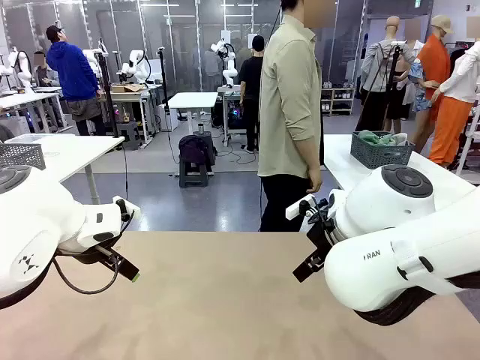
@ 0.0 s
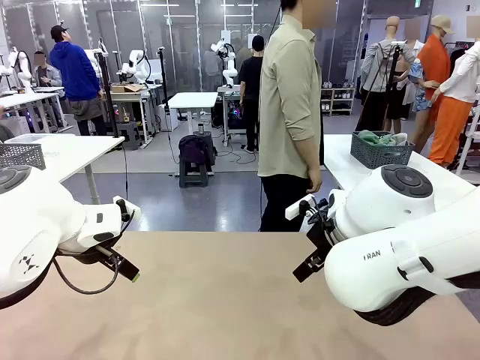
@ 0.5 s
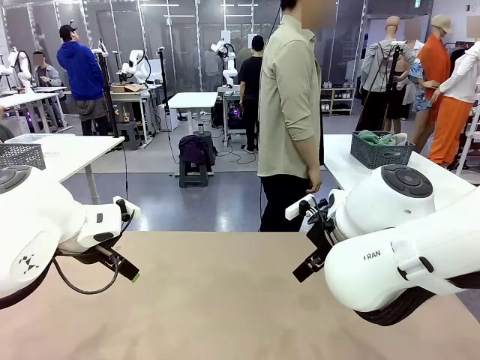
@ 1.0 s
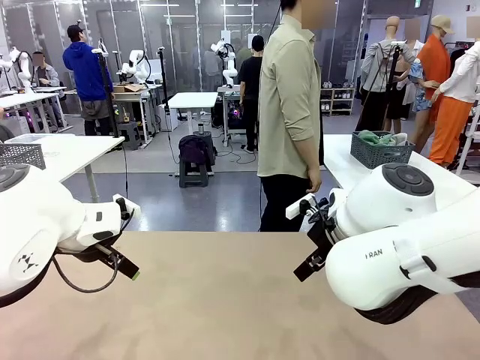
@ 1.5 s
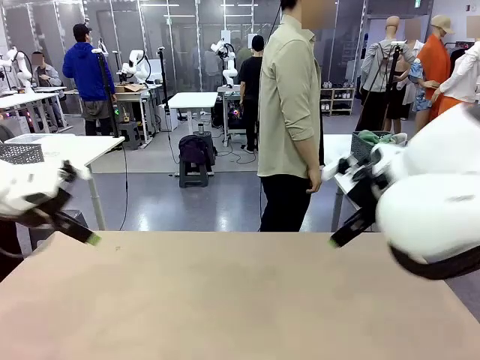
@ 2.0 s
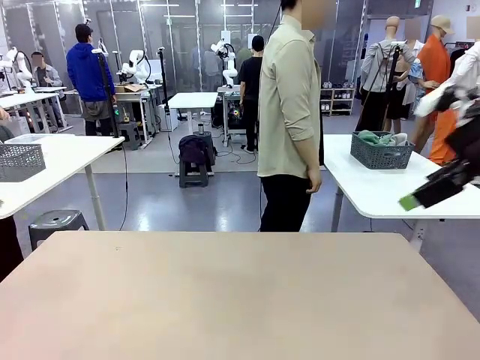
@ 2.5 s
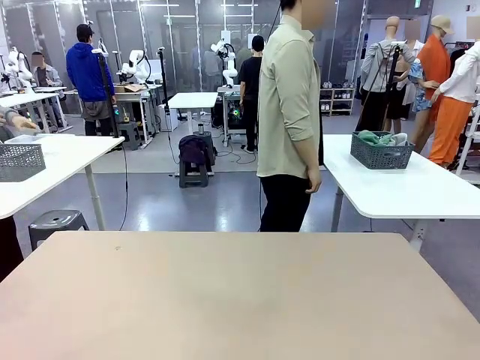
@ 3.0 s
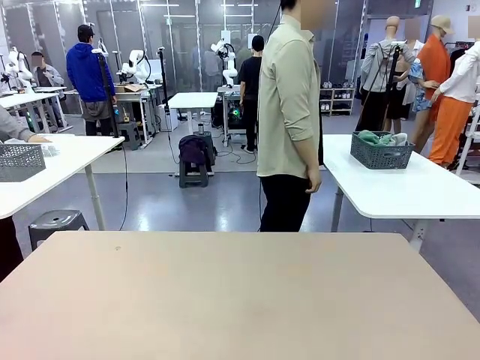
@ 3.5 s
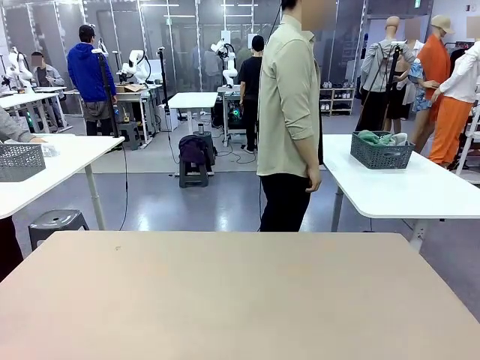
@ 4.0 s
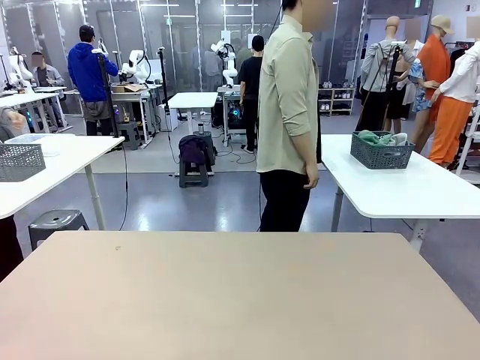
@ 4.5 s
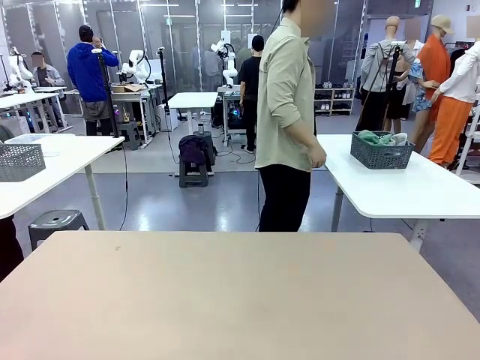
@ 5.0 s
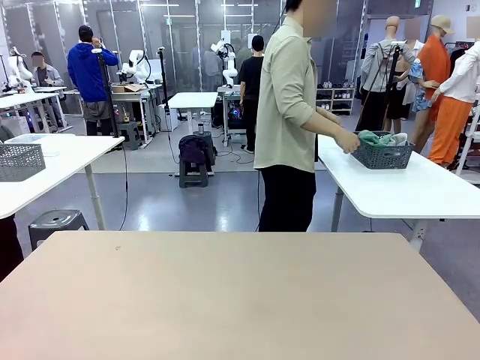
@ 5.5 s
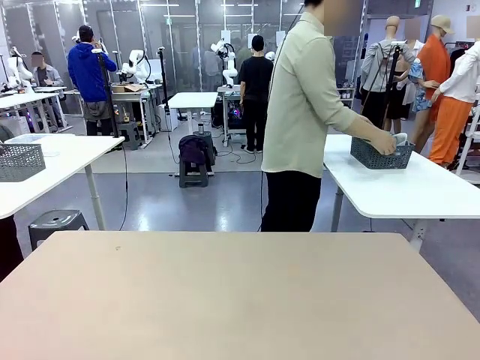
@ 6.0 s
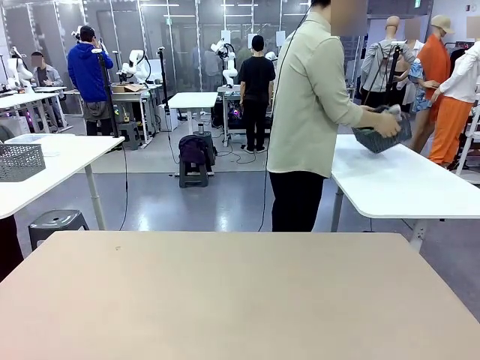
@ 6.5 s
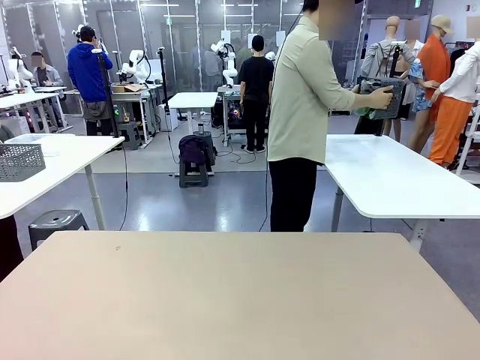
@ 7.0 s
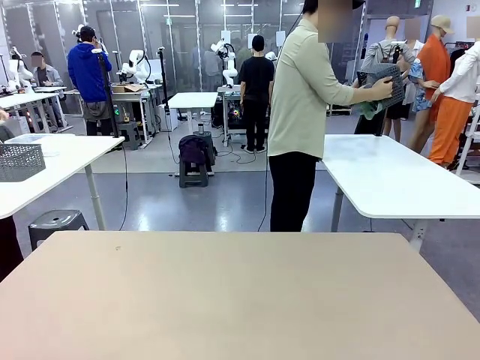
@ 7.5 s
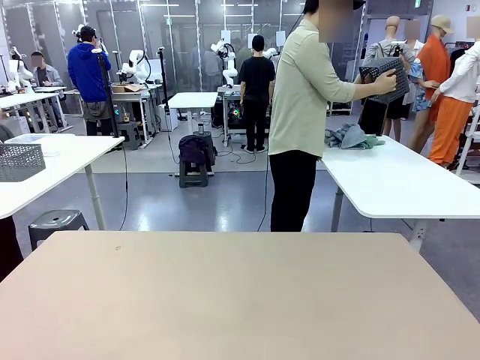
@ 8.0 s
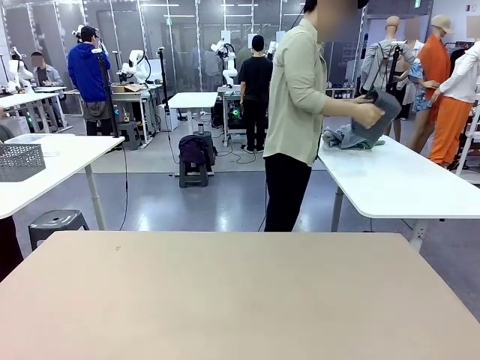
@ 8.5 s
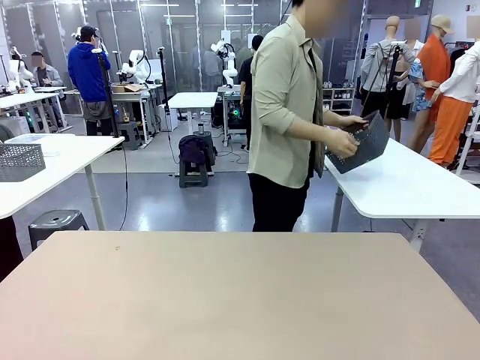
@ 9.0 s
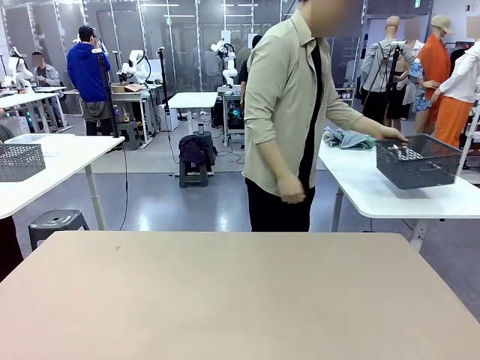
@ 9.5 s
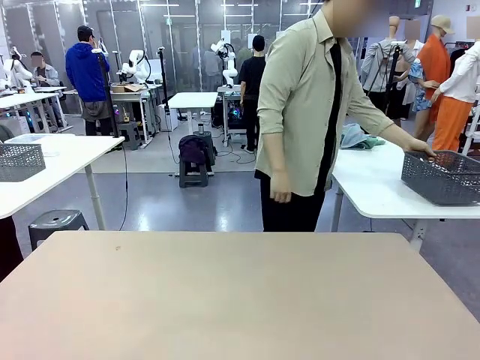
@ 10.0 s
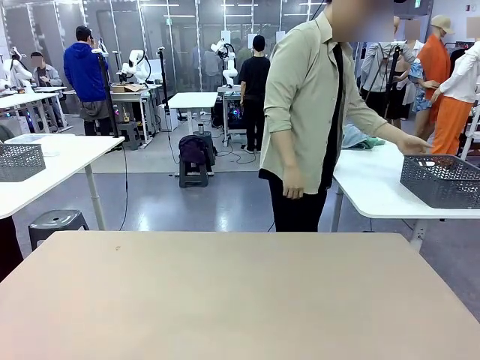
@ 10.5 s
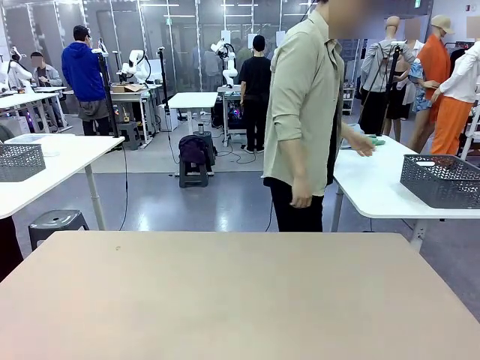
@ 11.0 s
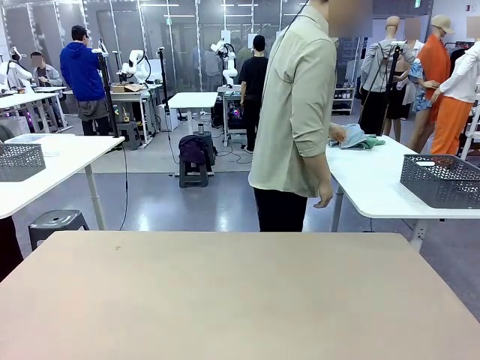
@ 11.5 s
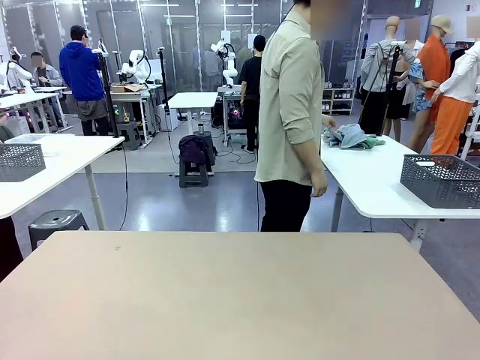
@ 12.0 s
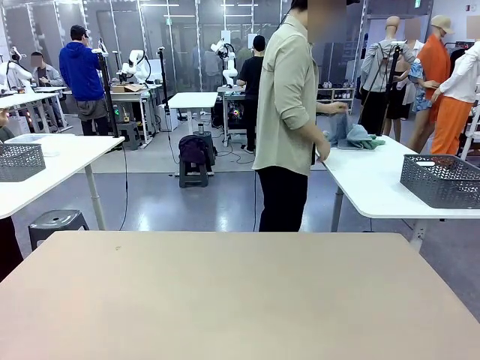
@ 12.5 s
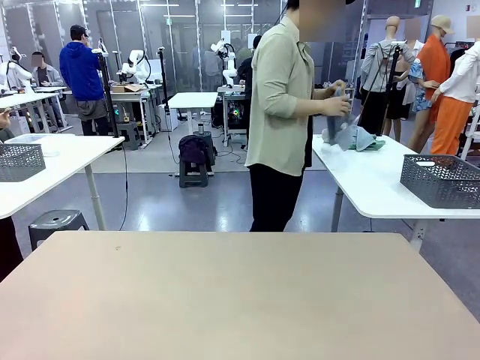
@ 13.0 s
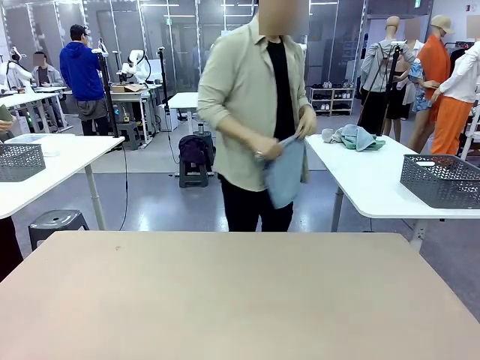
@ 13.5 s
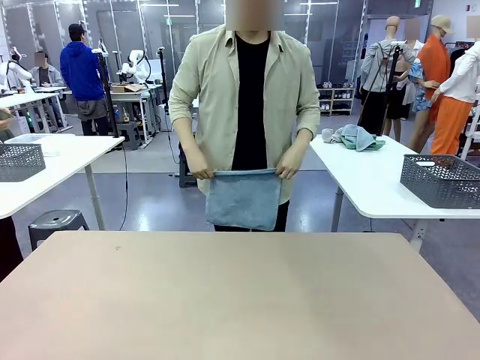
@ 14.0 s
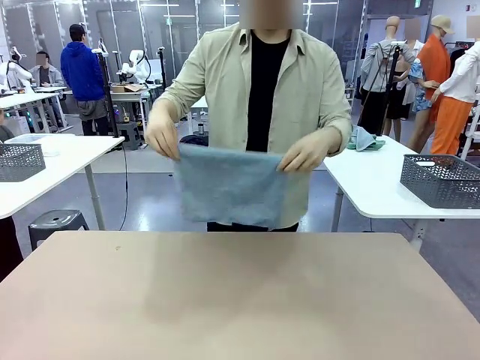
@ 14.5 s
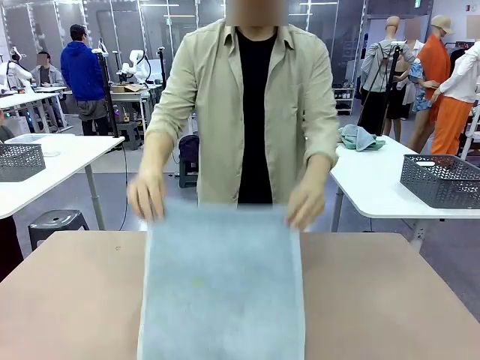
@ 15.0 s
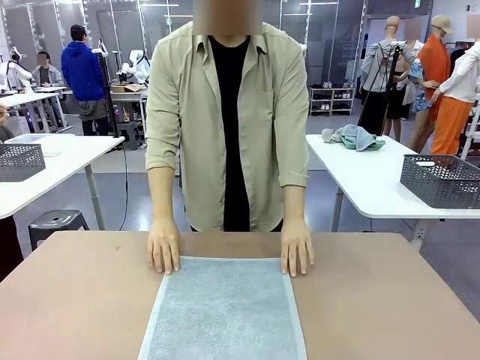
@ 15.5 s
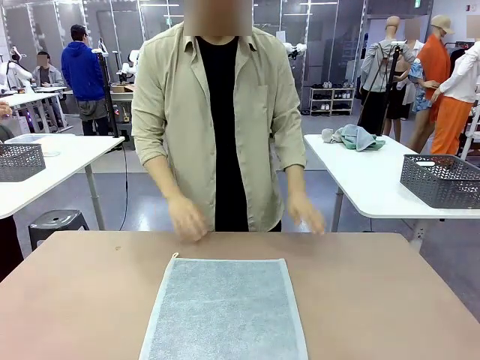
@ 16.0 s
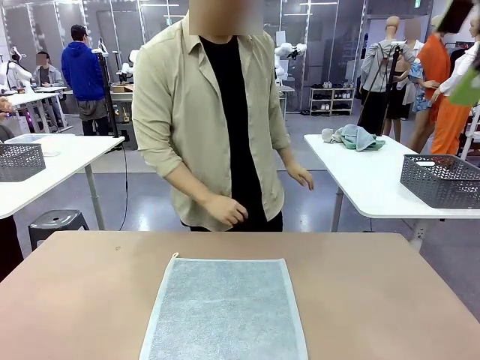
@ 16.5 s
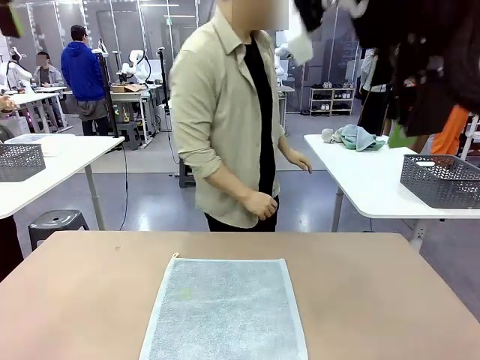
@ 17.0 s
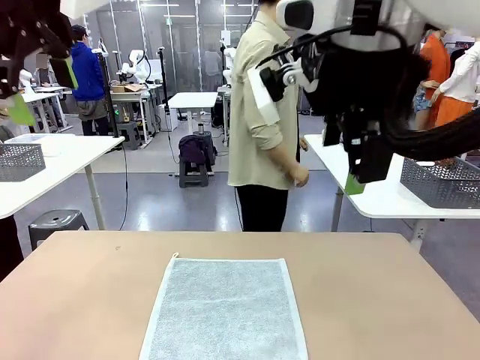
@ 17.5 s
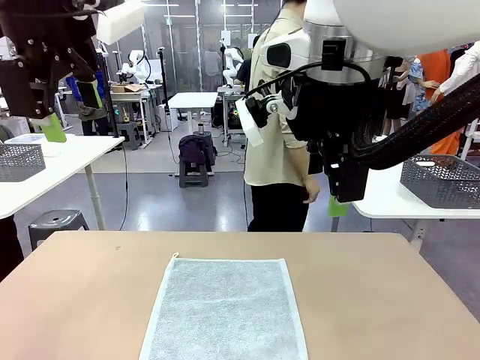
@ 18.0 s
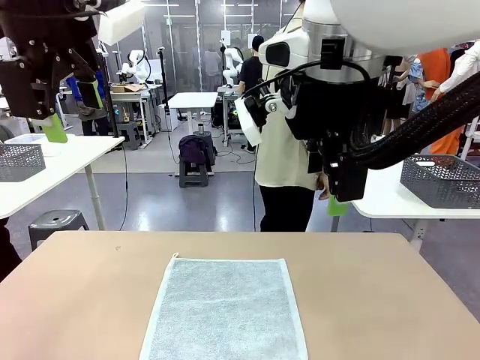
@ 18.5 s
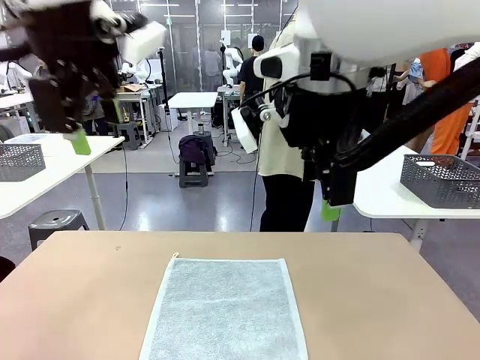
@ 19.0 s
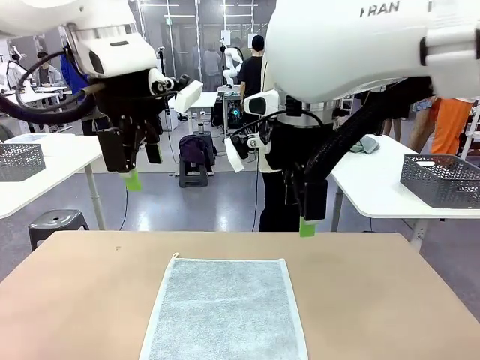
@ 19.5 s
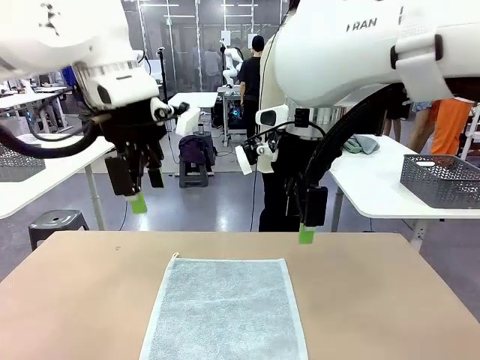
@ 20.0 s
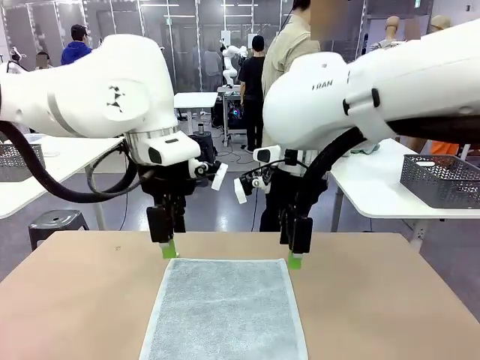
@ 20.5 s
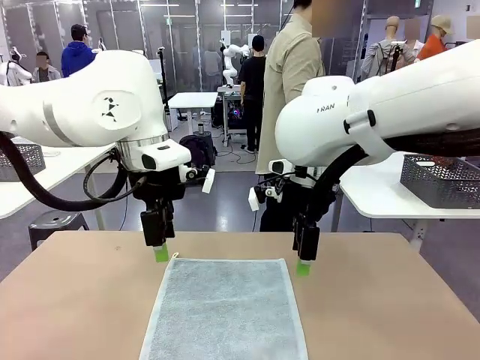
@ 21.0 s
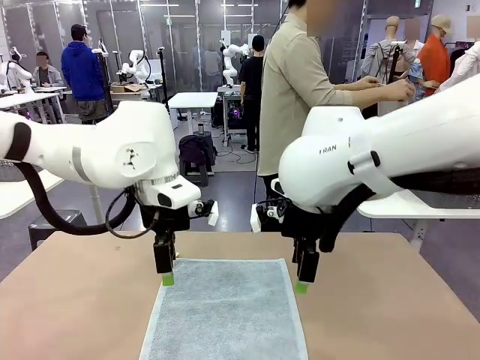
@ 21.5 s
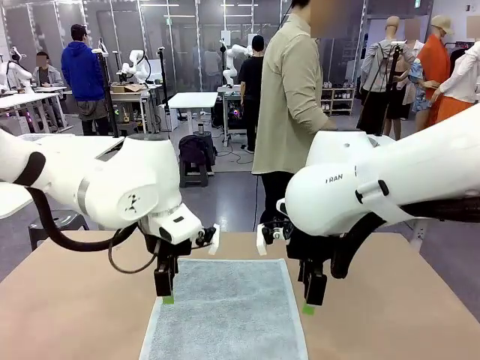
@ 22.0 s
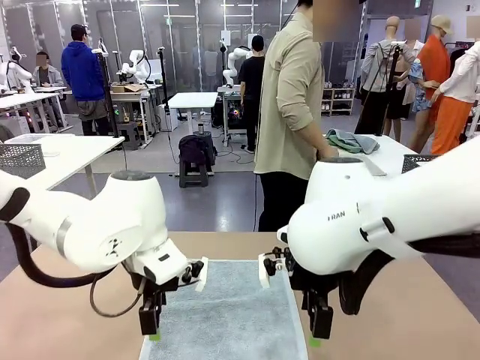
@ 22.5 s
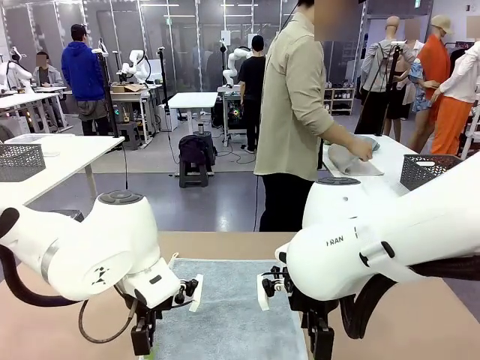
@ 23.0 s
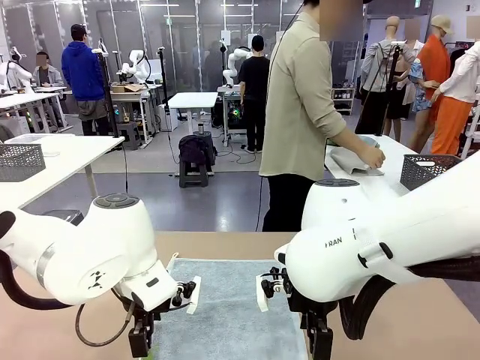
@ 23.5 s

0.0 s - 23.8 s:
Task: Fold the towels and place them in the basket.
Robot: When a person lays out a Towel with hook on the table, fold it in half twice.
Person: Pick up the basket, pour the towels onto the left side of the human table, and place the basket on the right side. Pick up one towel and spread it out at the center of the robot table. Pick up one towel from the left side of the human table, fold it in half twice, and place it on the right side of the table.
